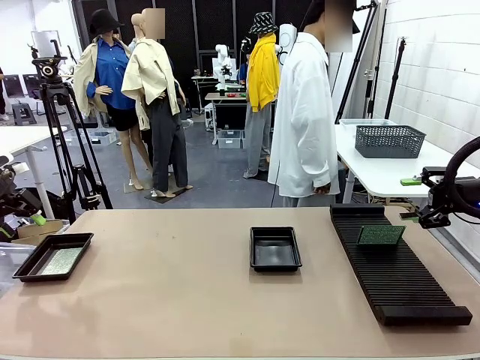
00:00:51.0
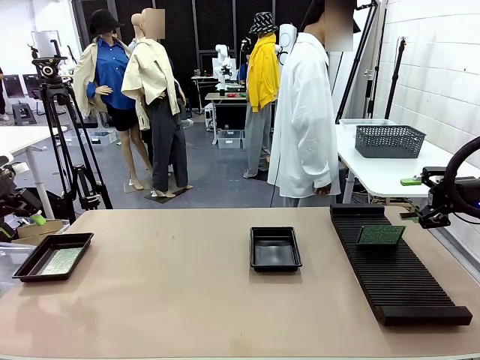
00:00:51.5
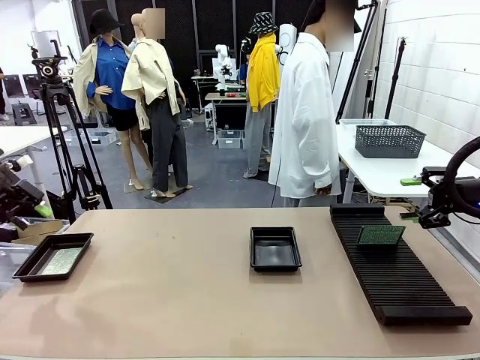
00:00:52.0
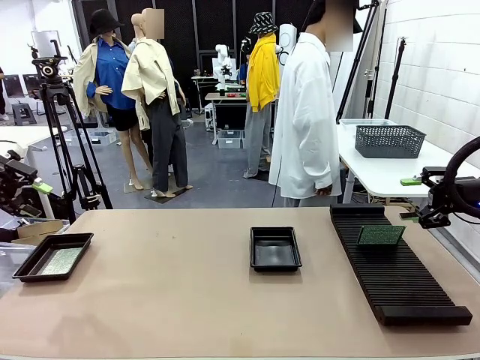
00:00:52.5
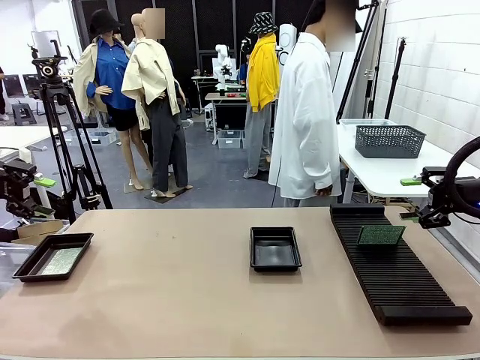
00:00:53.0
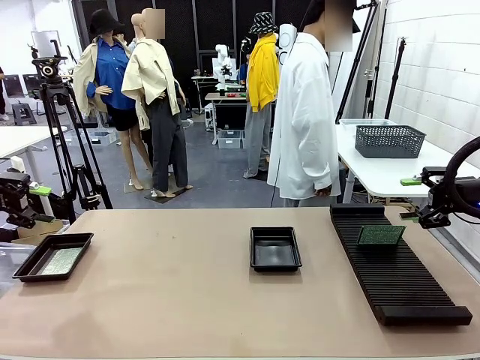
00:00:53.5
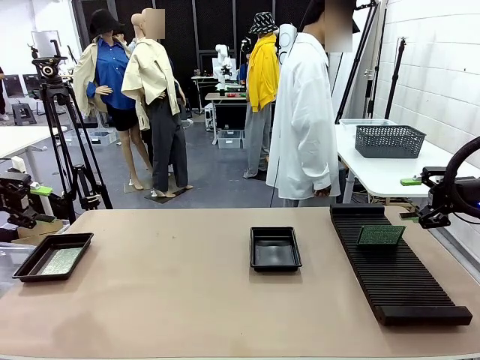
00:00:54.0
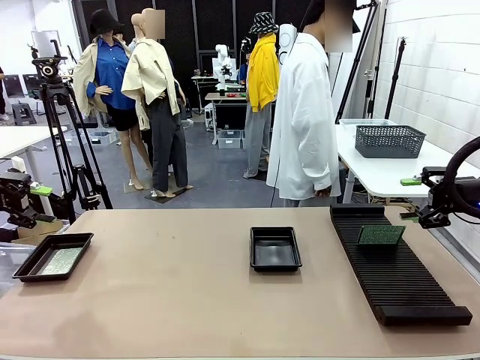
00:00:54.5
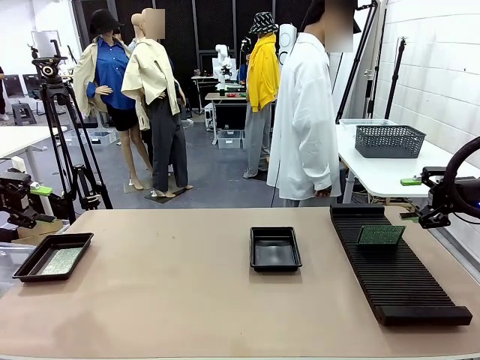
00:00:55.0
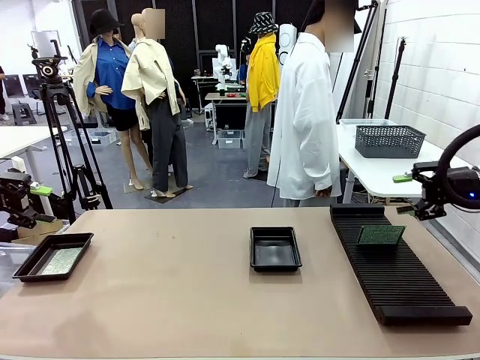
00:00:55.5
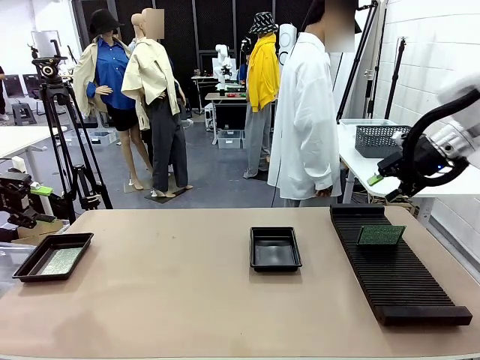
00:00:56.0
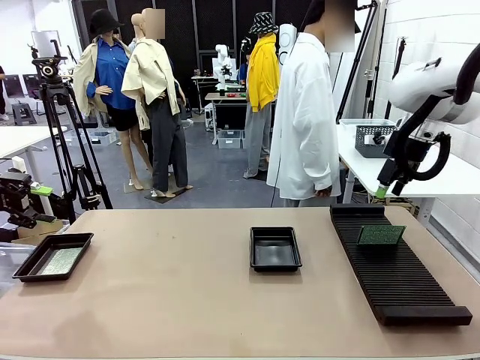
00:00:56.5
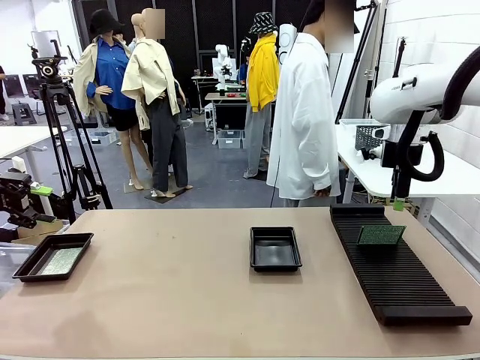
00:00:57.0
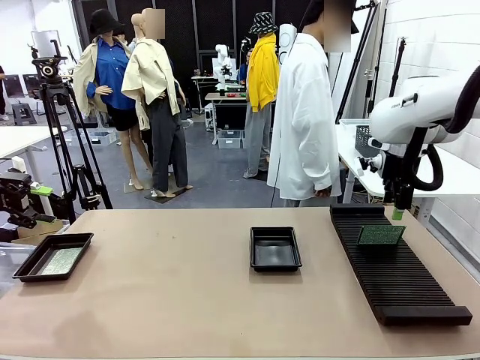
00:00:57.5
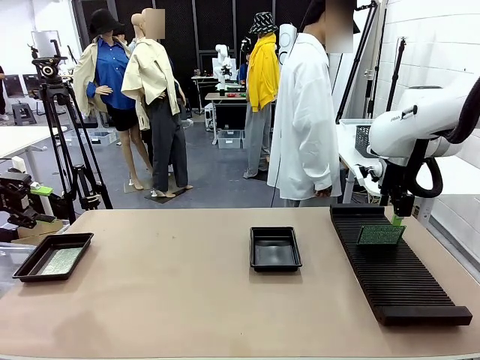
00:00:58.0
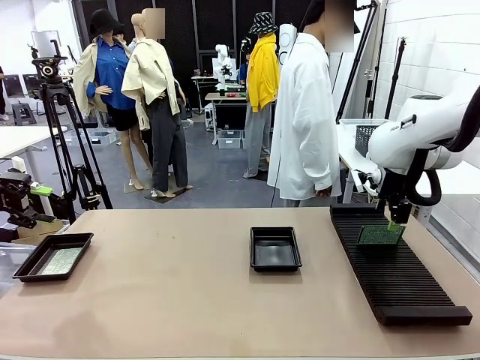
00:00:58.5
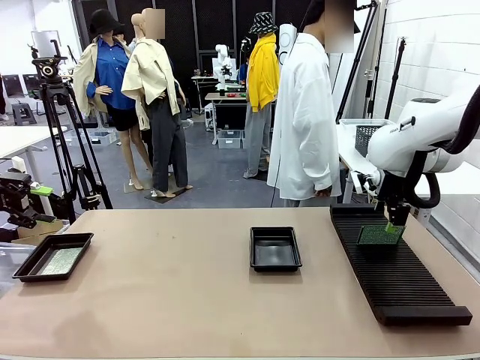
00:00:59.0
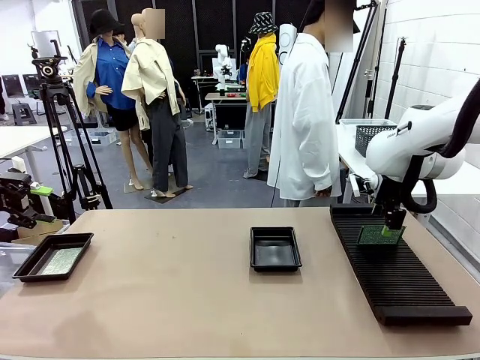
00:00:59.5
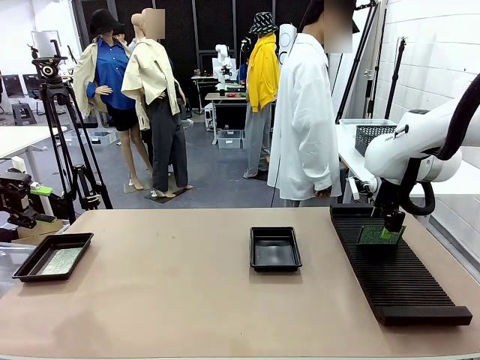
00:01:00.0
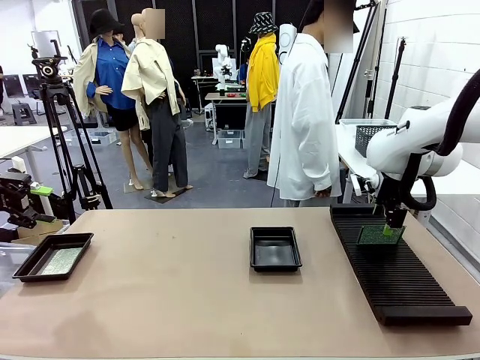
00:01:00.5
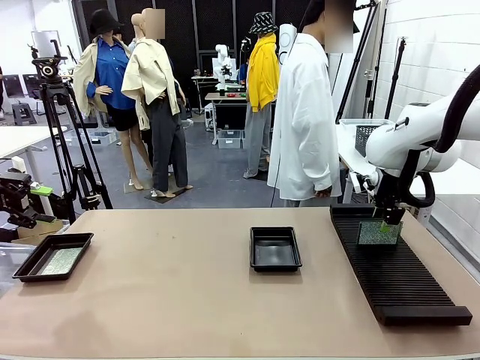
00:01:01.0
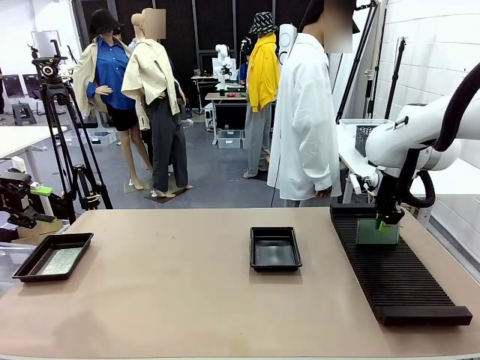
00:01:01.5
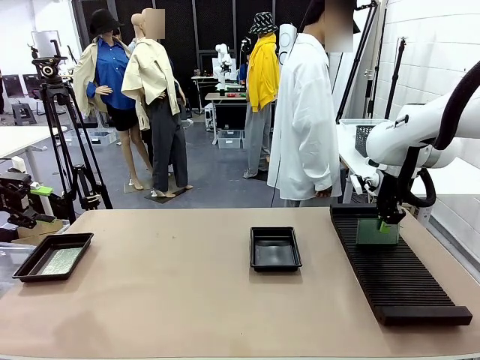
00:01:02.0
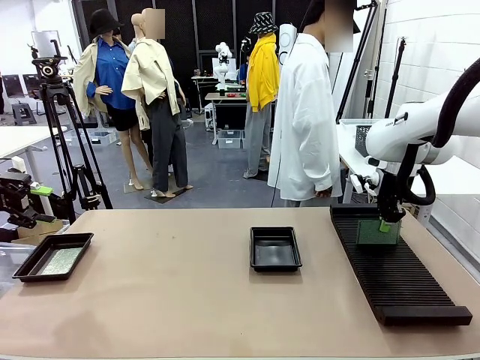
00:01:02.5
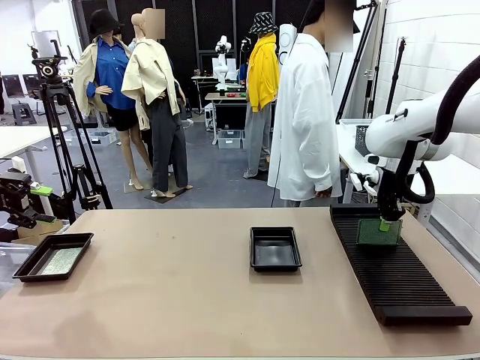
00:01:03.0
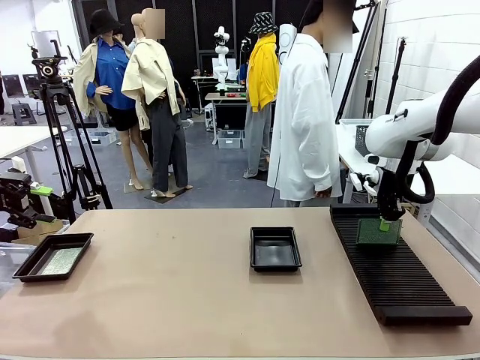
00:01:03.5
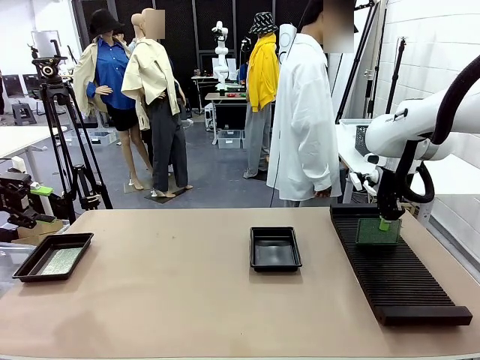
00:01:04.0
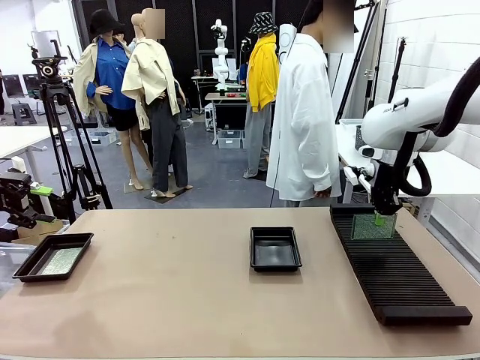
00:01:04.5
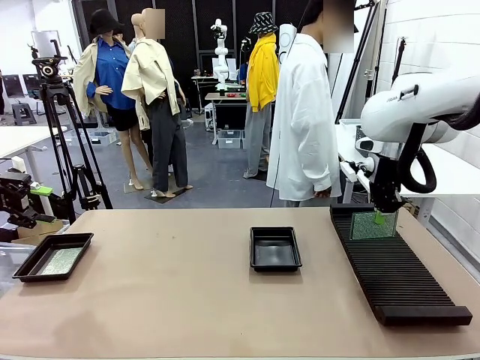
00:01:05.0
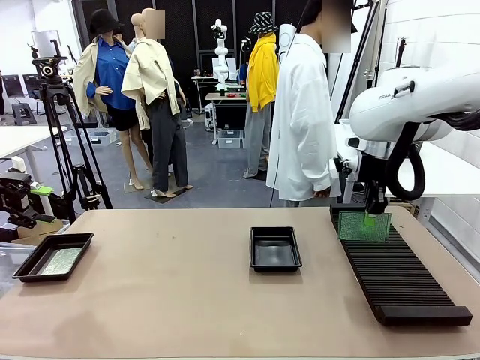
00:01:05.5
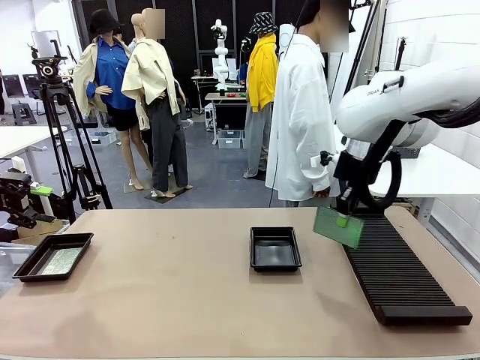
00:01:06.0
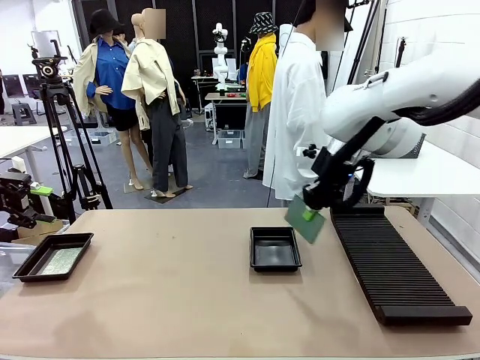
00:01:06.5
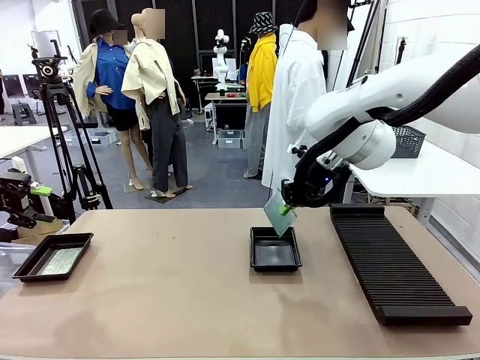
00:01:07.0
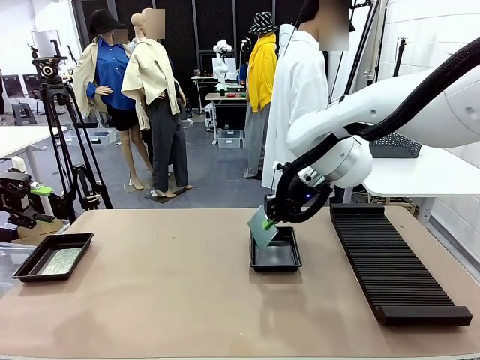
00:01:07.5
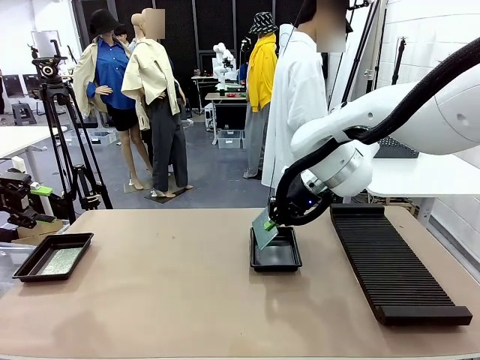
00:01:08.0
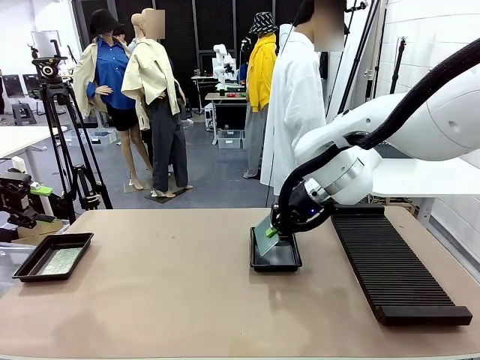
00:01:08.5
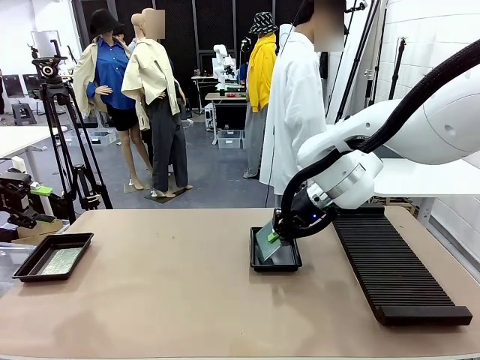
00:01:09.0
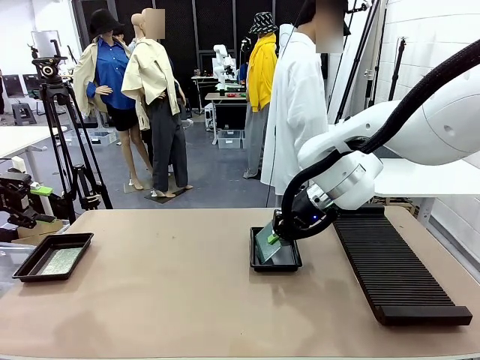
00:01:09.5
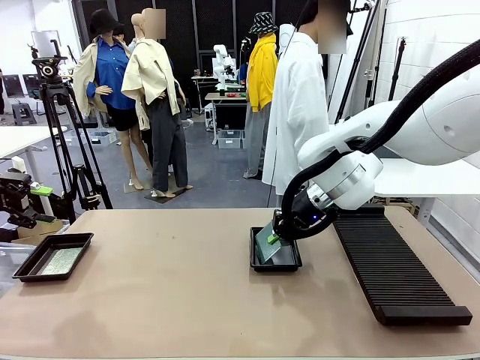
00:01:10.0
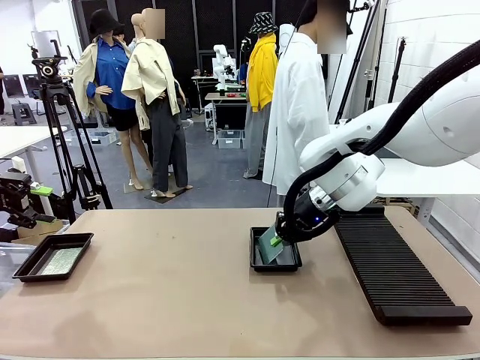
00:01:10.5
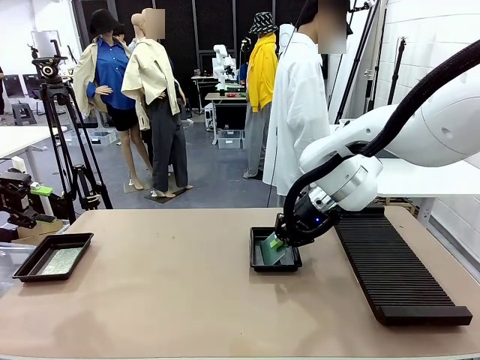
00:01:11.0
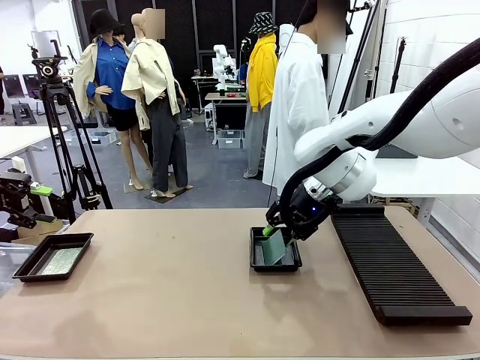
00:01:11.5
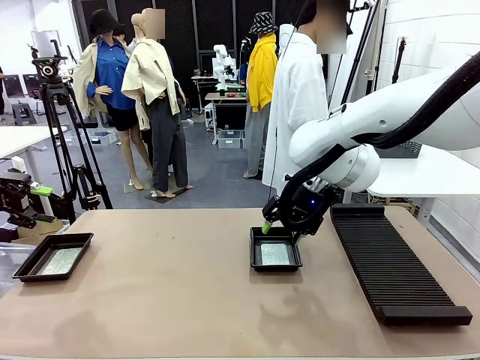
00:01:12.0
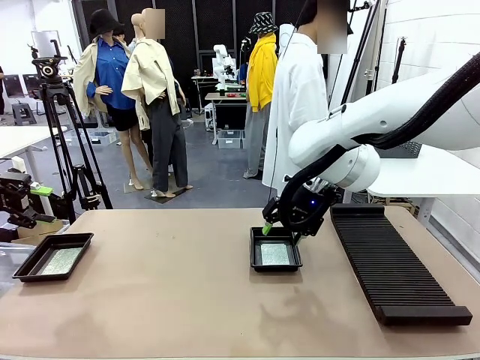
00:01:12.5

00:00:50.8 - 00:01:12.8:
Task: Inspect and transfer BCBs to ESD trays.
Robot: Pick up the Blank PCB from the PCB Rack and place it in the right ESD tray.
